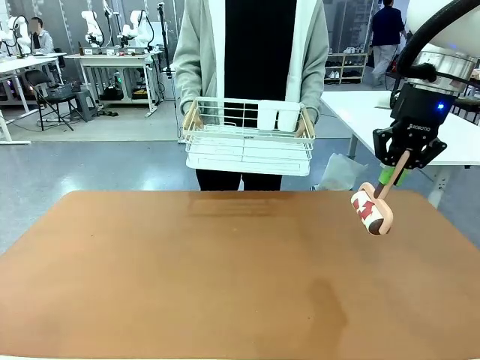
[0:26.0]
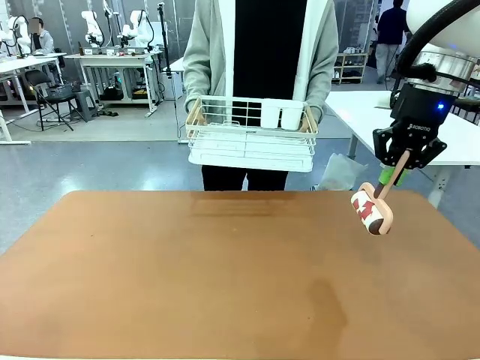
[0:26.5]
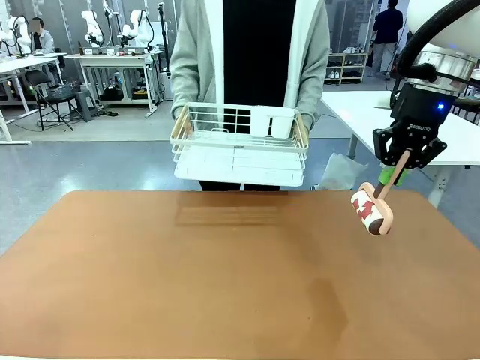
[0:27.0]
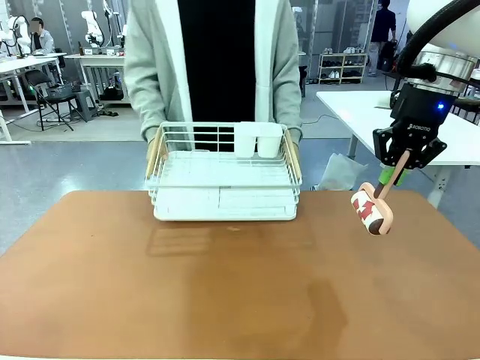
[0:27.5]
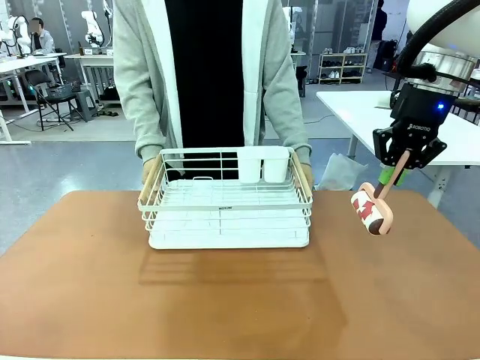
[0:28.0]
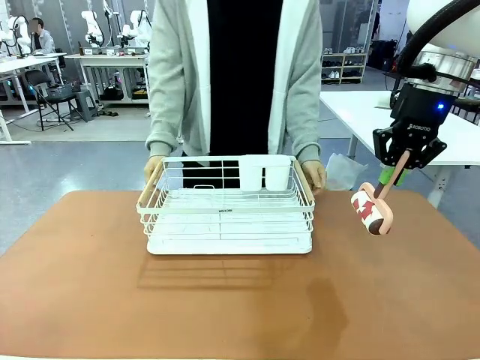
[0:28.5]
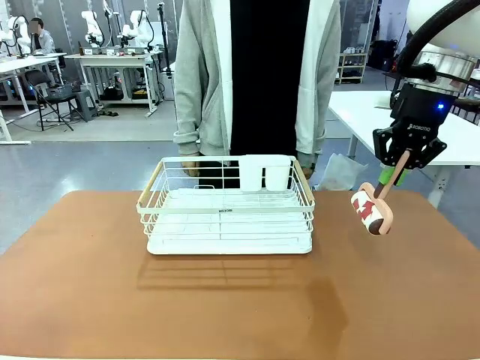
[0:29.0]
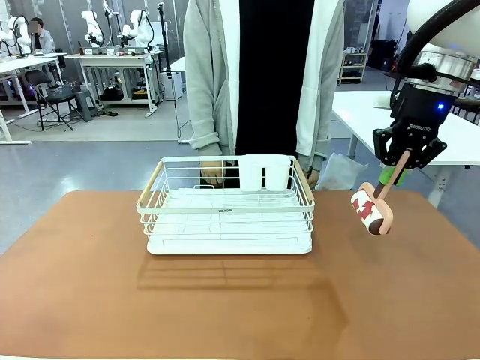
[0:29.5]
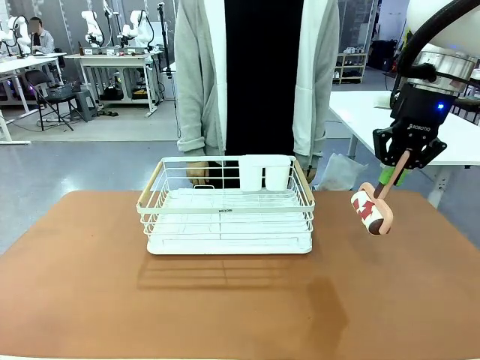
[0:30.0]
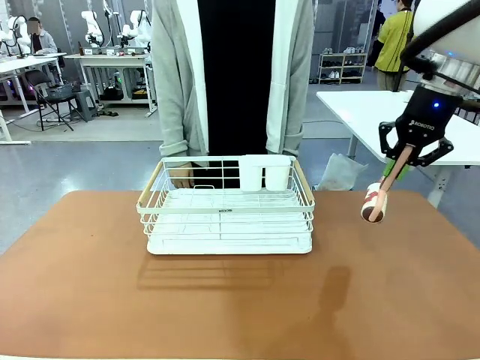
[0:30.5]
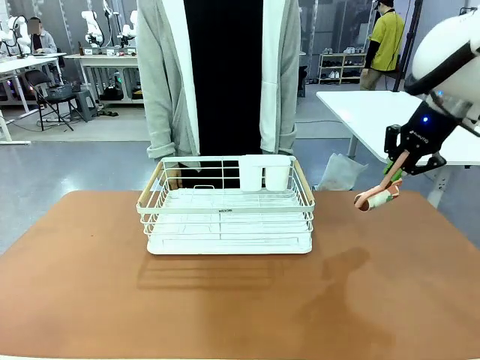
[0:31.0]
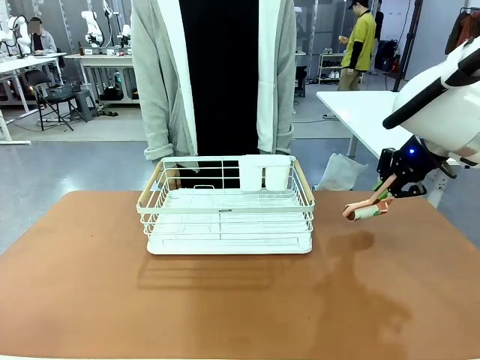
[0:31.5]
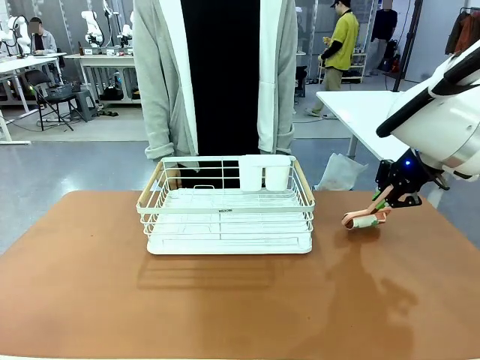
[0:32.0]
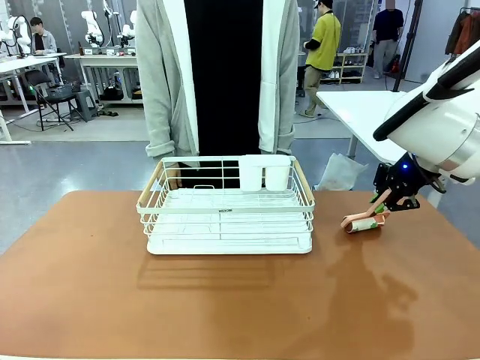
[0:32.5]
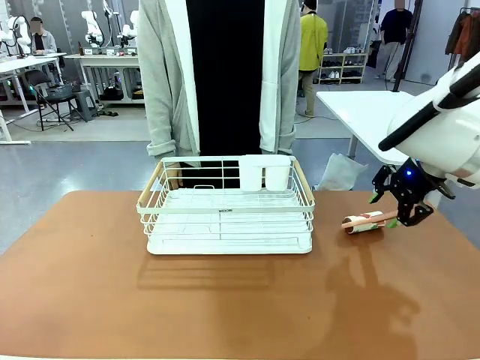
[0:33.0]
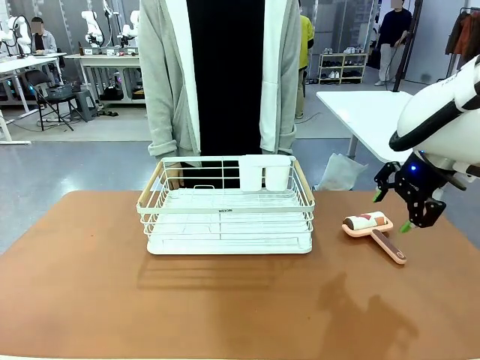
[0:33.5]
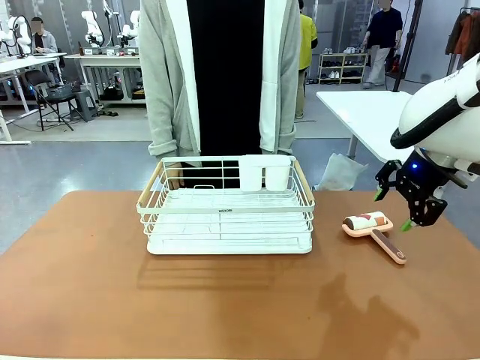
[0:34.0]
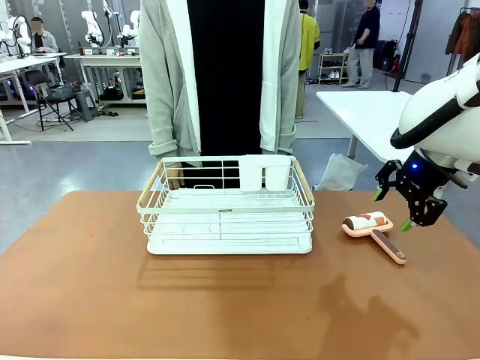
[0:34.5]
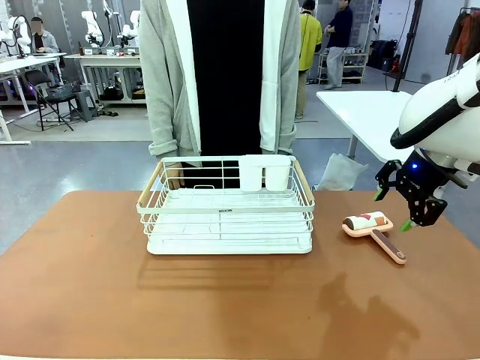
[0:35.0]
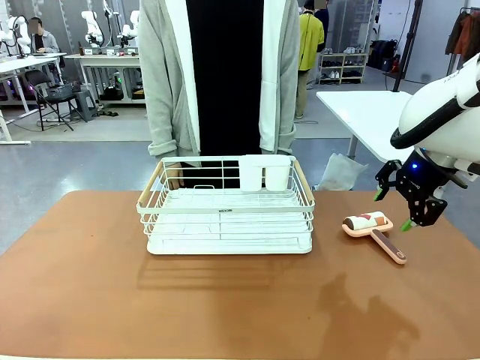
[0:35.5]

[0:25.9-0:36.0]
Task: Clean the table.
Robot: Place the Lint Roller down when the Dish drying rack is positioned in the middle of the table.

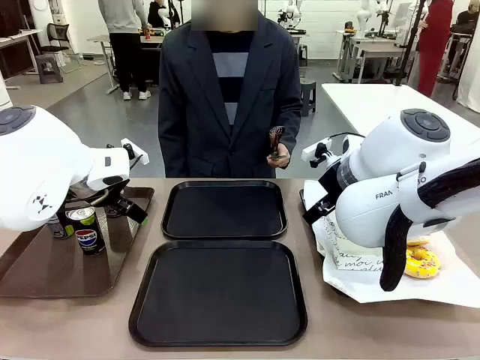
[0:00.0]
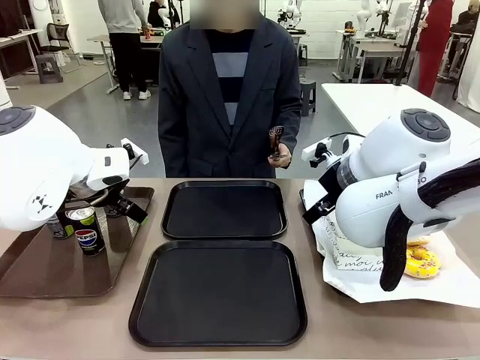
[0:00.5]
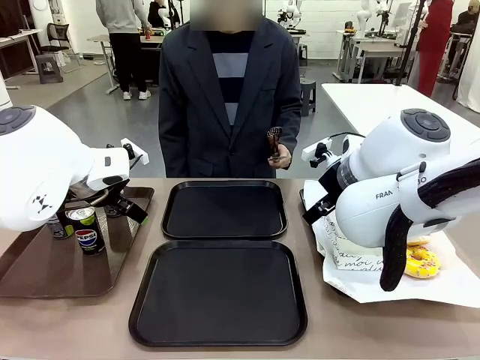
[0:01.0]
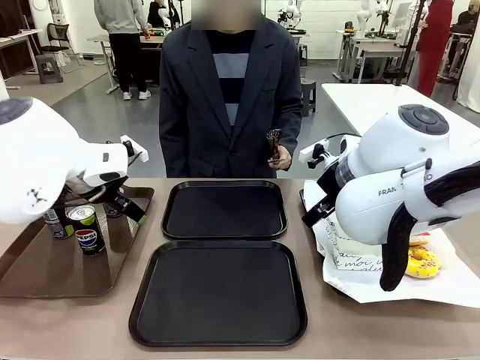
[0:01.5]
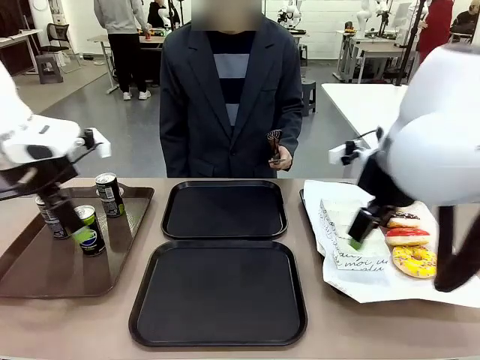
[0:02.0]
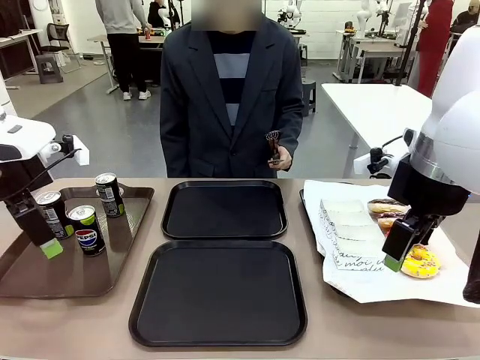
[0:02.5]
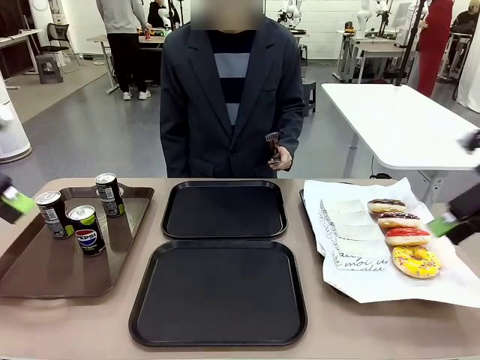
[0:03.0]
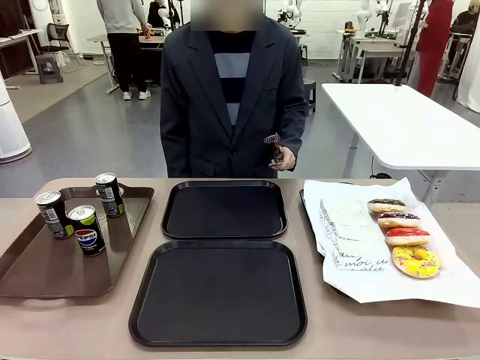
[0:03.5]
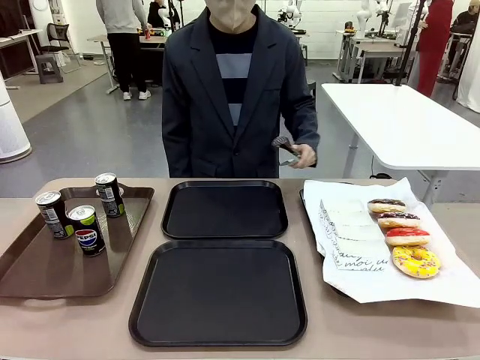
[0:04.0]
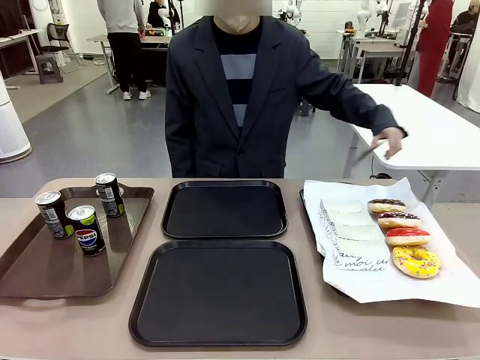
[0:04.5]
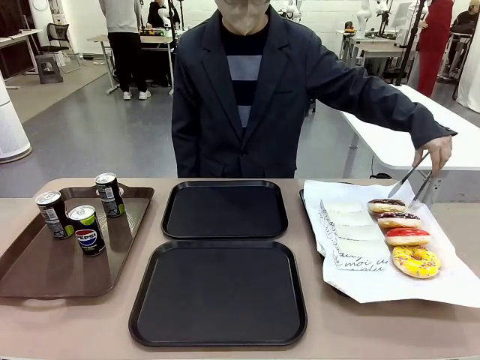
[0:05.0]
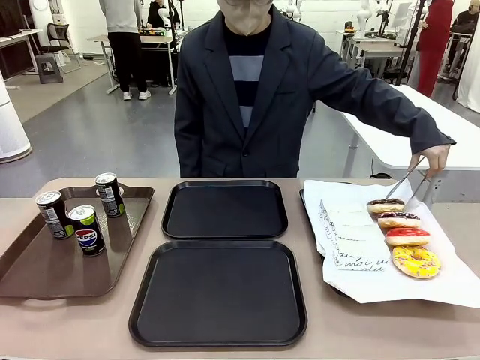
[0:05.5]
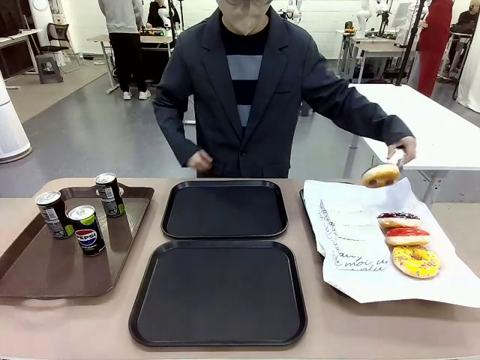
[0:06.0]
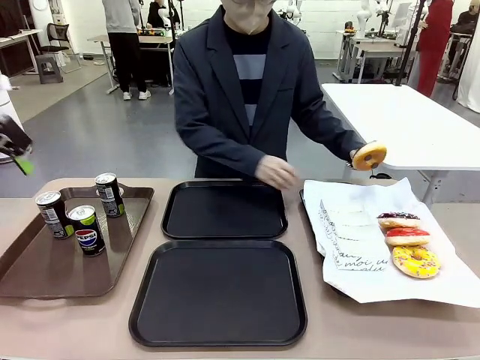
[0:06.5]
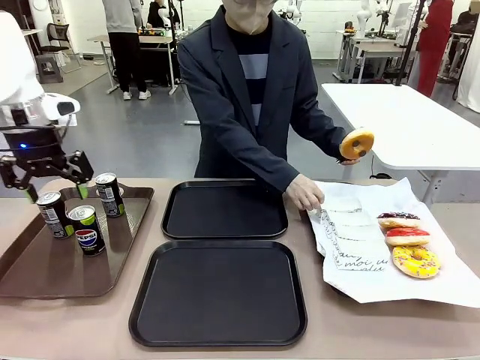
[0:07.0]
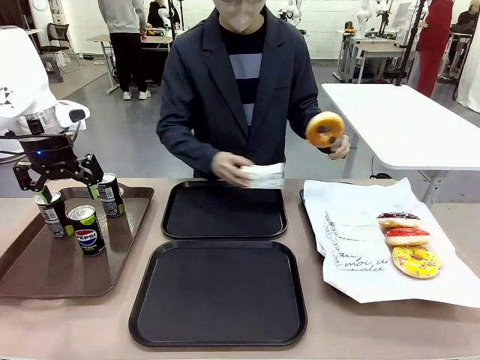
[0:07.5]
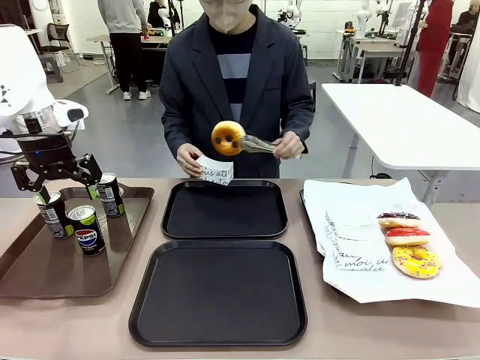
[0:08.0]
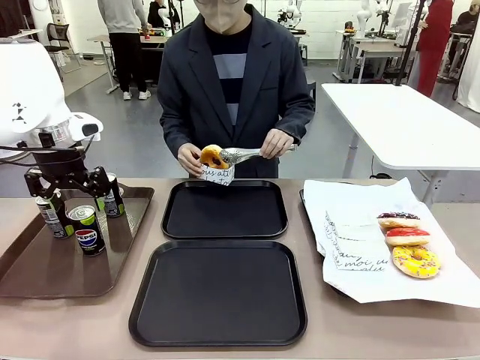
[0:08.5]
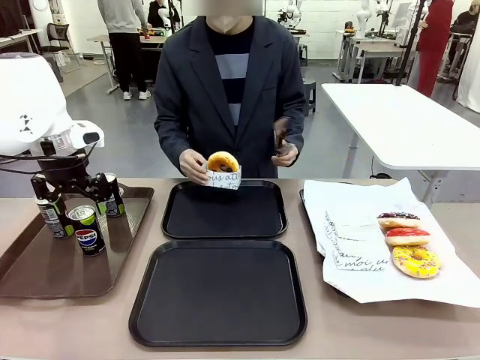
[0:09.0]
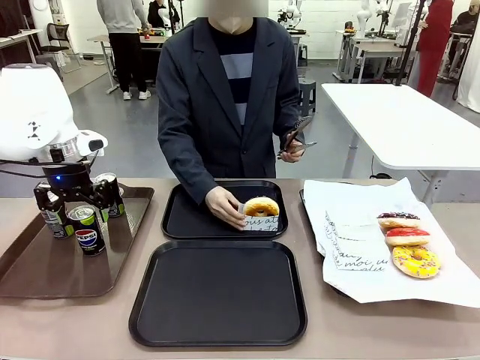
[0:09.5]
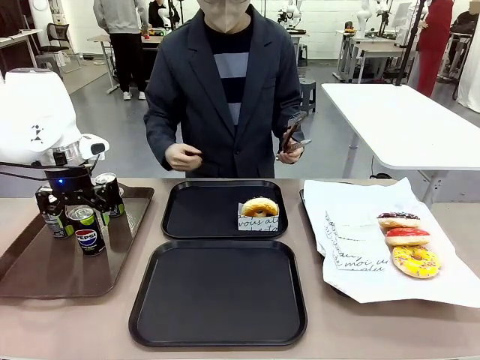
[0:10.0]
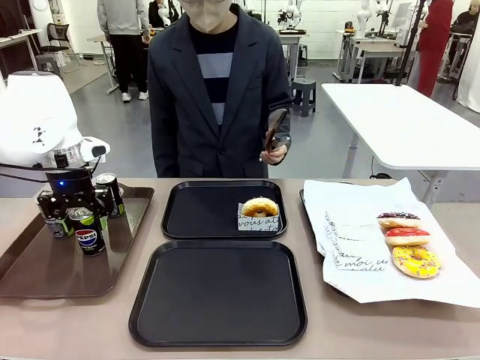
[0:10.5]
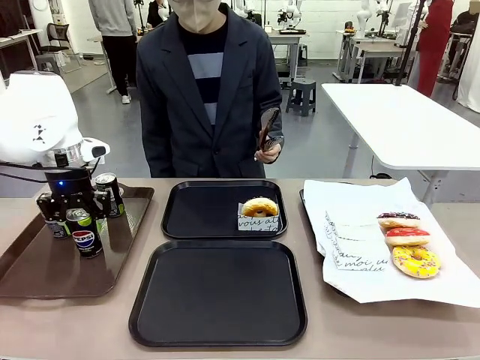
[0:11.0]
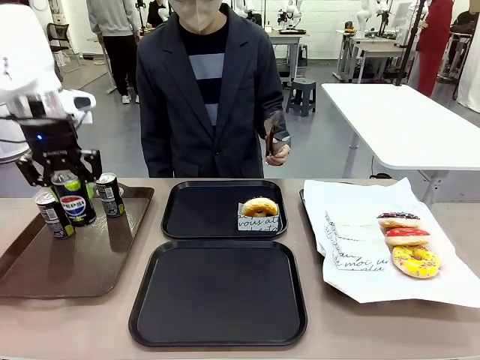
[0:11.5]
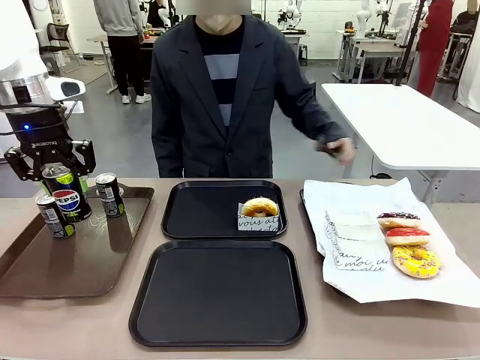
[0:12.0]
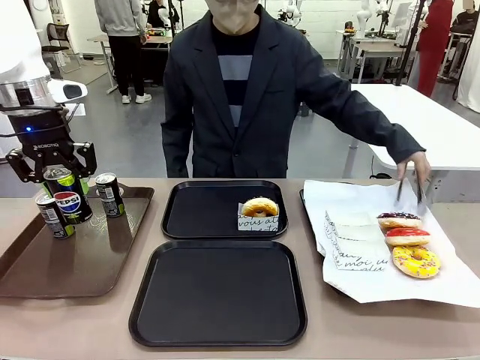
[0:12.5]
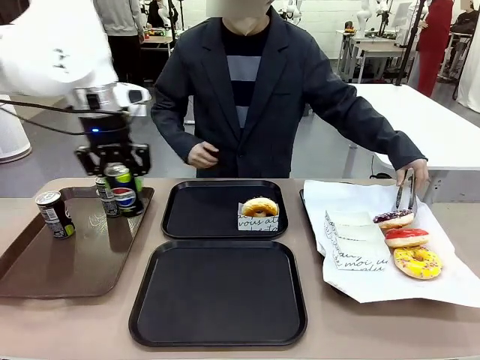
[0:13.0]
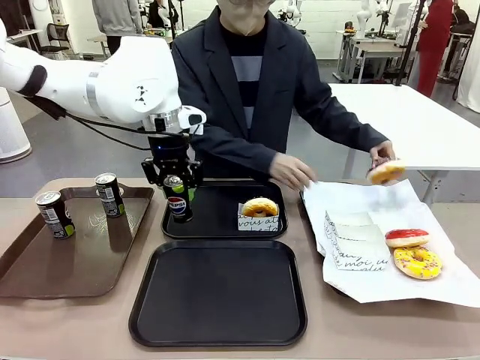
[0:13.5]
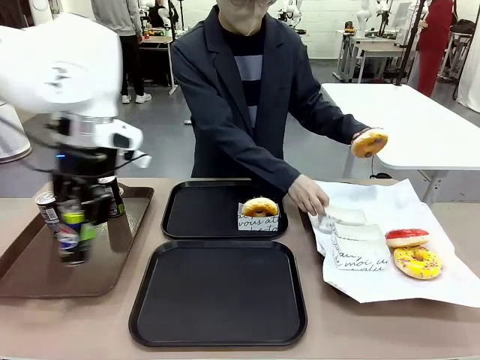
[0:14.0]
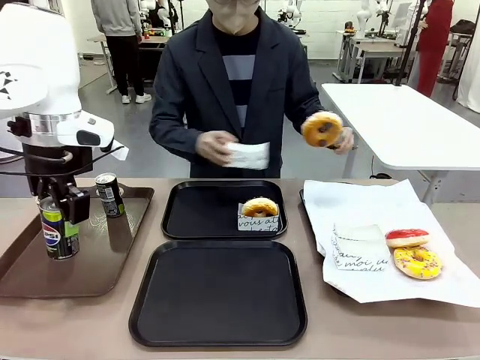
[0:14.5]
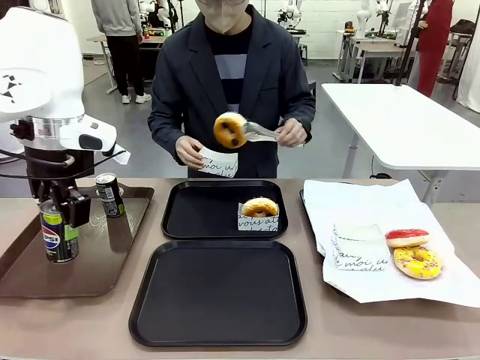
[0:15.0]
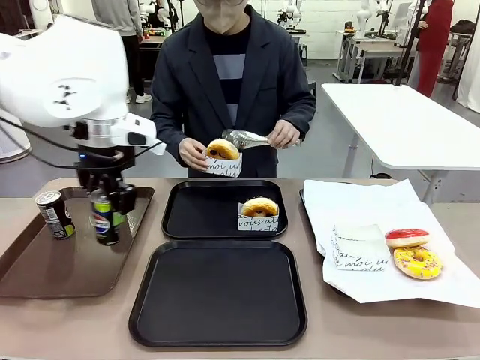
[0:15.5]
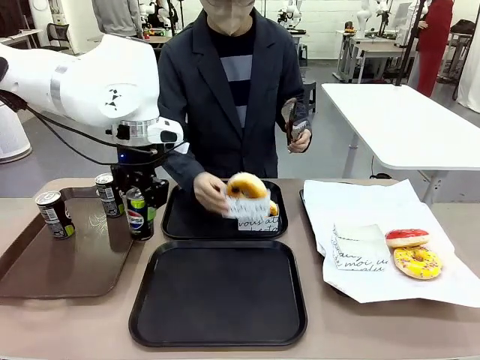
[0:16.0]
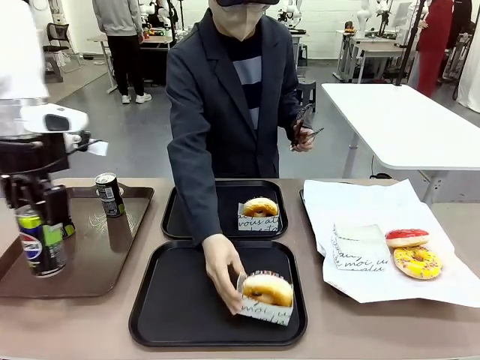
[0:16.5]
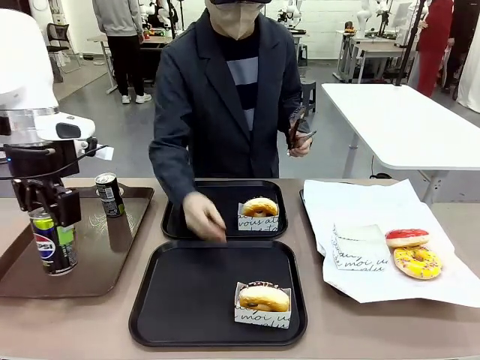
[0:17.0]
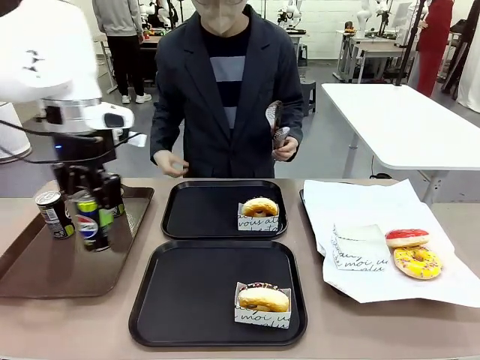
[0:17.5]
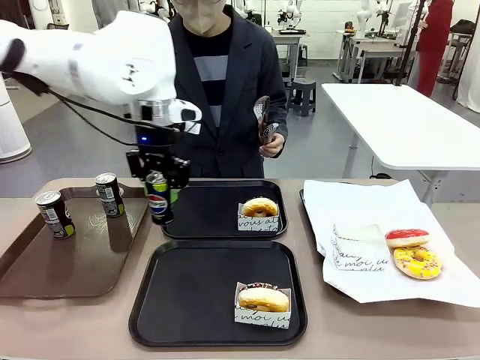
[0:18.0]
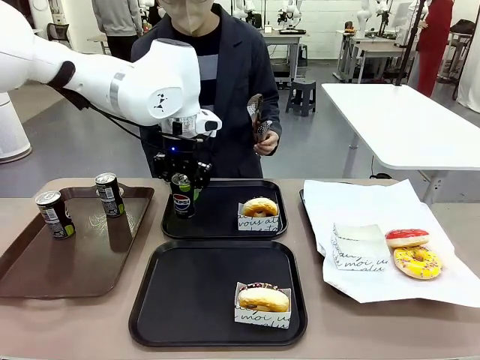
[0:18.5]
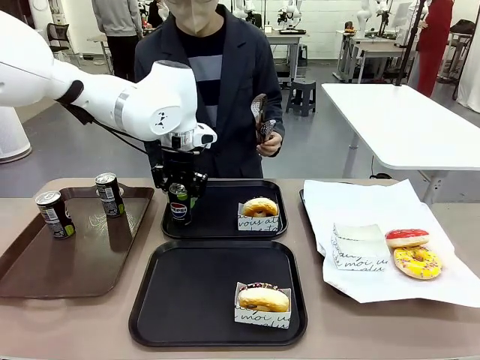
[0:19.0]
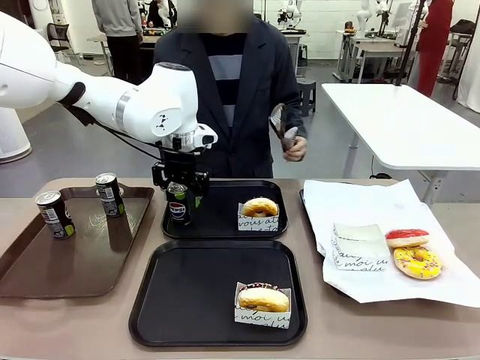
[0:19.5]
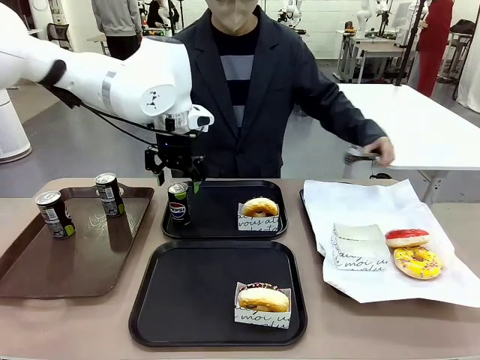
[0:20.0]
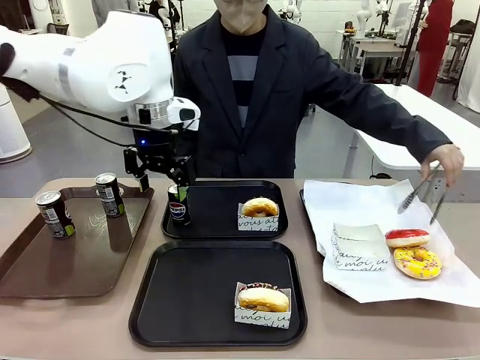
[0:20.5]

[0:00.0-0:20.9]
Task: Set up donuts and drinks on trays.
Robot: Pick up one Pepsi coke and place it on the Flat Tray.
Person: Pick up one donut with tongs, place it in the donut tray, and then place the donut tray on the flat tray.
